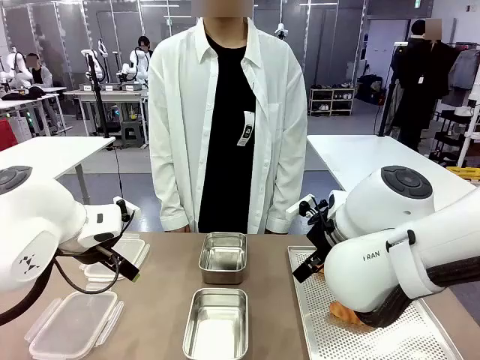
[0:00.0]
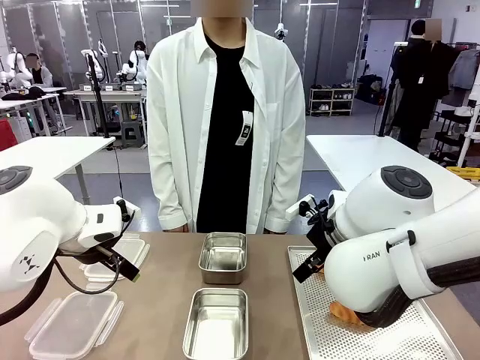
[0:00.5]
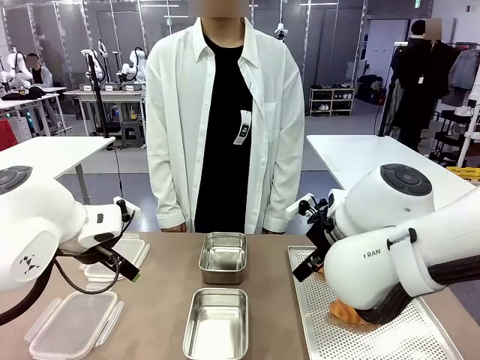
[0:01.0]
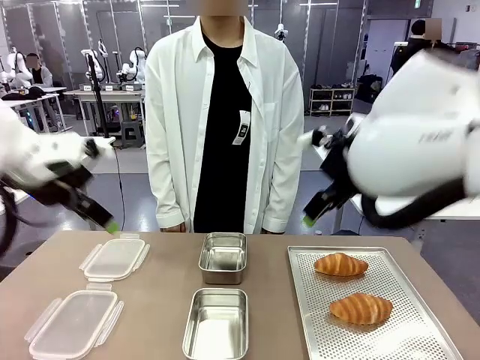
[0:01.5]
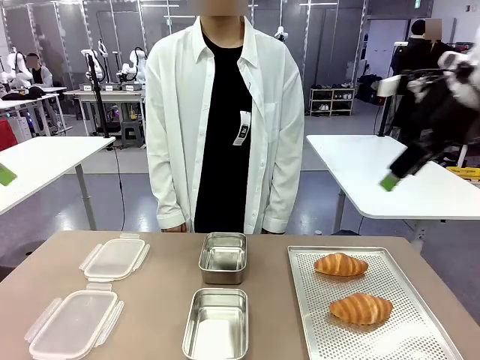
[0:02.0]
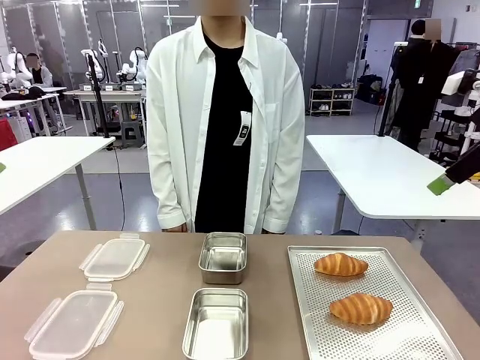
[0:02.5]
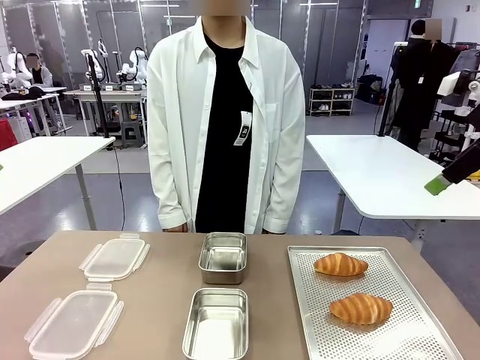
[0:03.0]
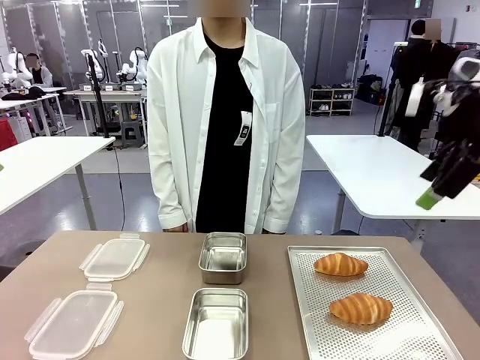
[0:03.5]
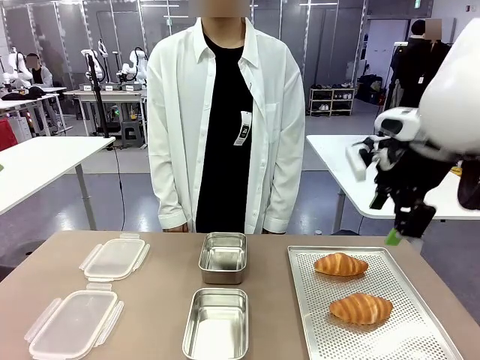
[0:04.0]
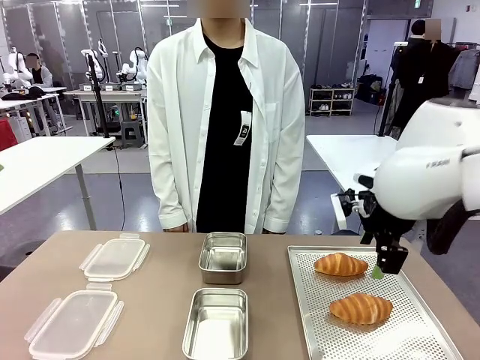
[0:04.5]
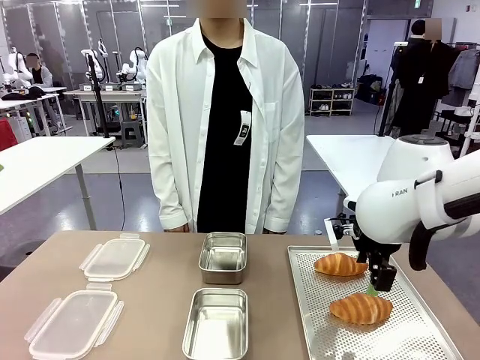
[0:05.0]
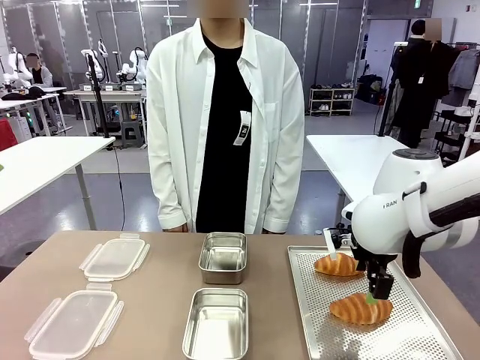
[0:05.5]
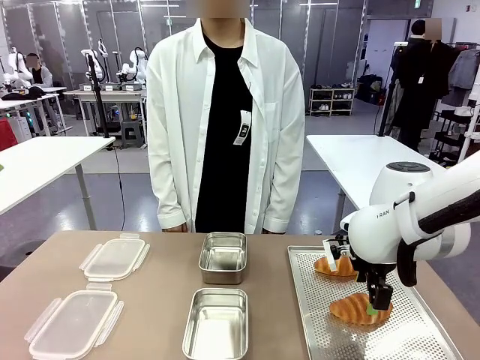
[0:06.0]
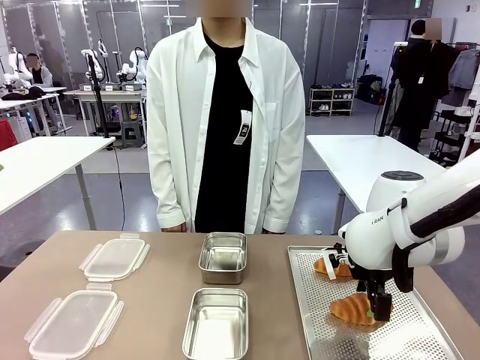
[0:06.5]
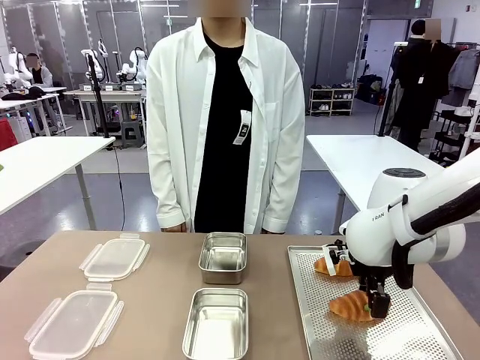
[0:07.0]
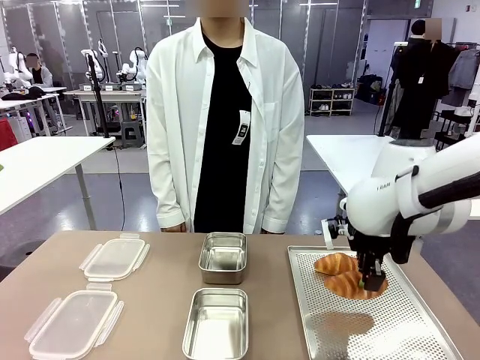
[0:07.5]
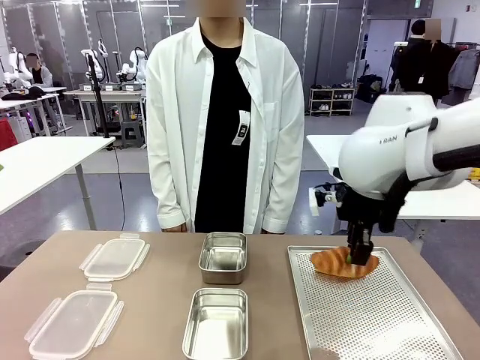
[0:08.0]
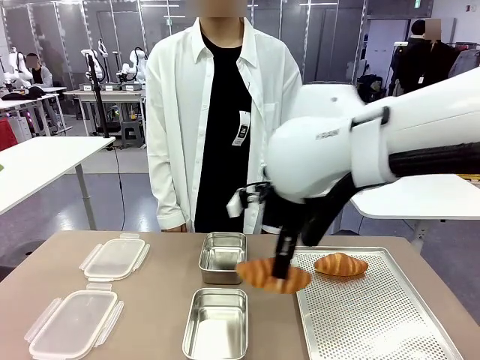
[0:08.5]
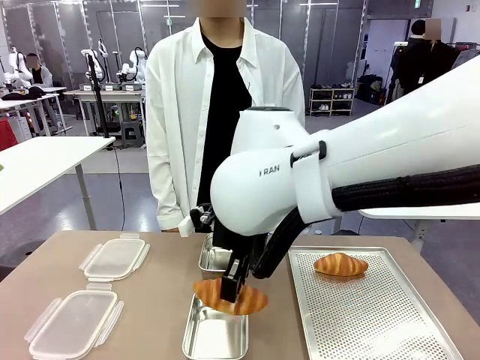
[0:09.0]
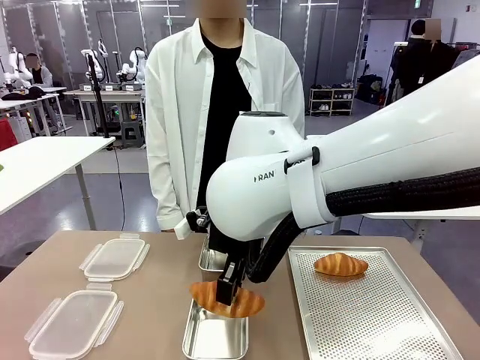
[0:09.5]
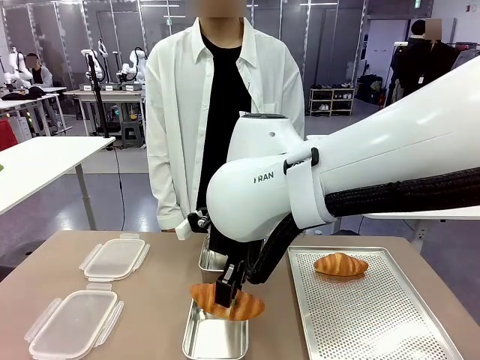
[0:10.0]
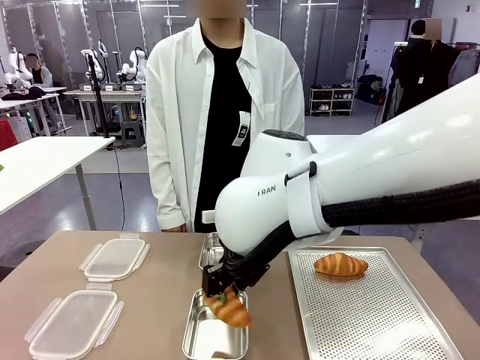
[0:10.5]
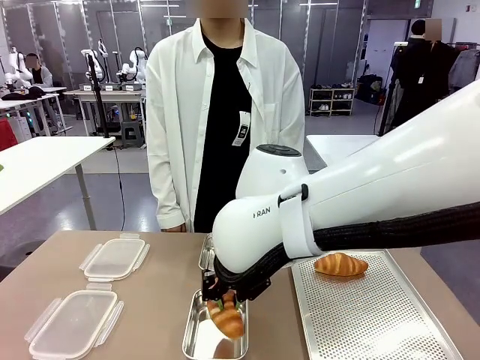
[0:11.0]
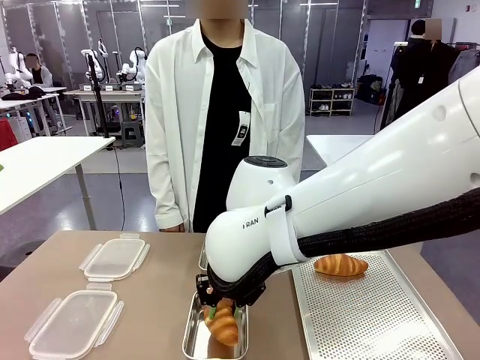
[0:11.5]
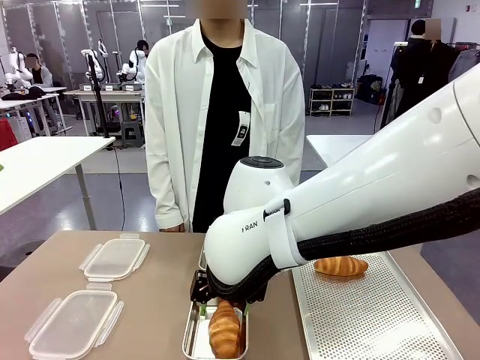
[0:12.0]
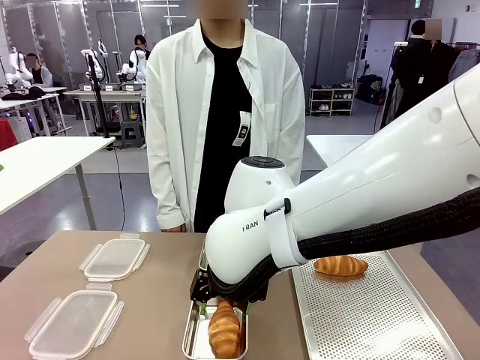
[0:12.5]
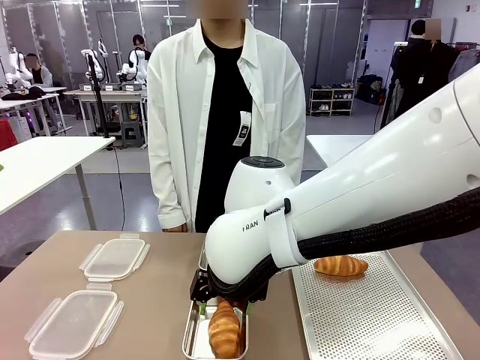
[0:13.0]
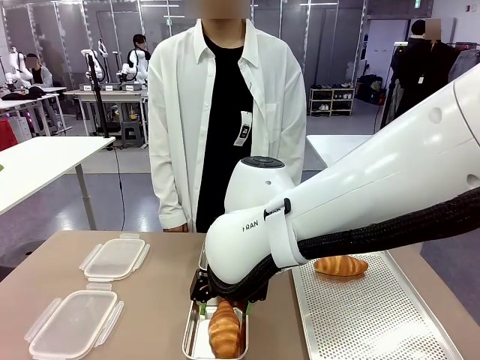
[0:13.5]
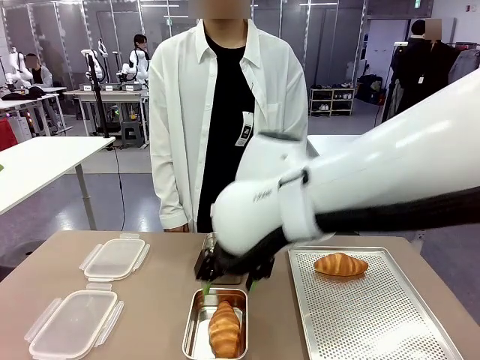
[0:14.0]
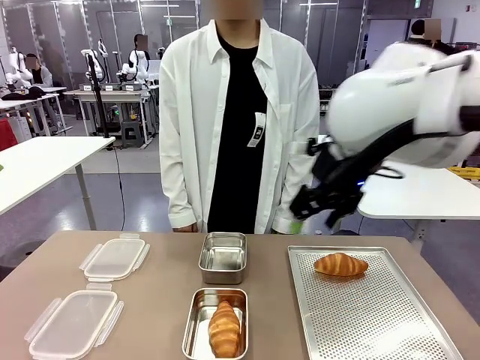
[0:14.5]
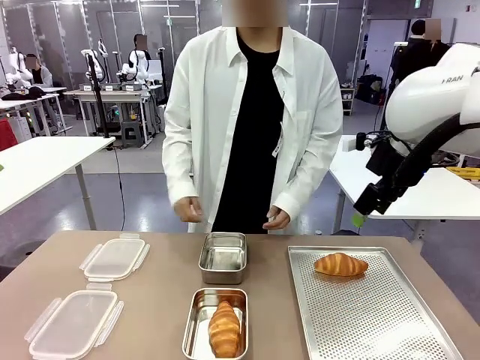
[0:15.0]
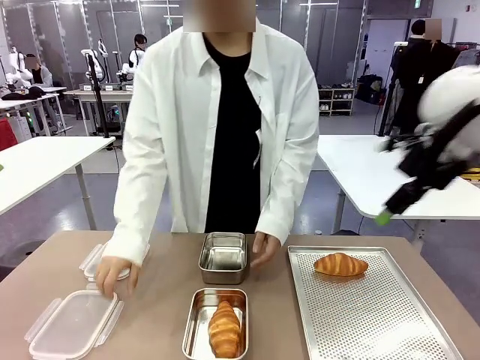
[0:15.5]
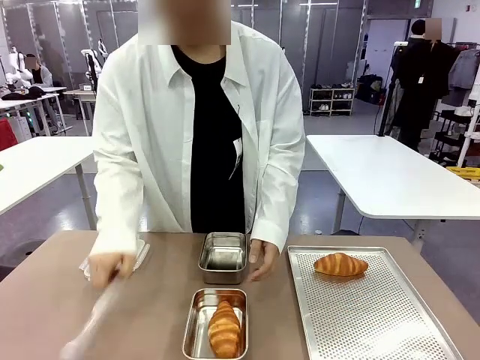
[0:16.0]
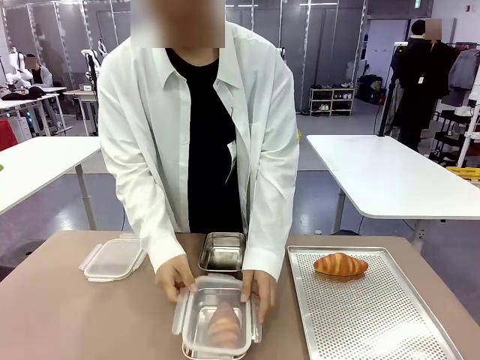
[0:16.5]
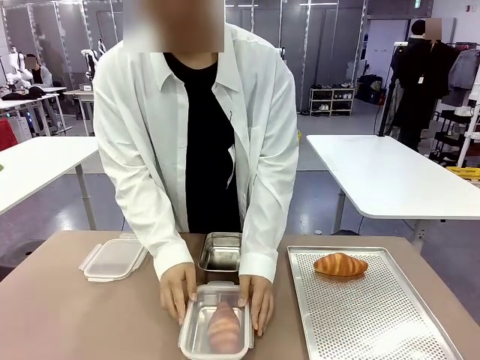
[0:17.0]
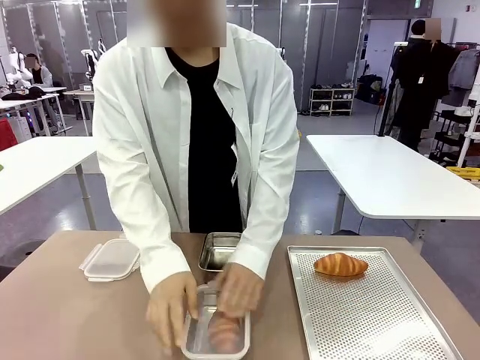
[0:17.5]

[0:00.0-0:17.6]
Task: Place the bread into the airtight container.
Robot: Pick up a Butter Roll and place it into an empty Airtight Container.

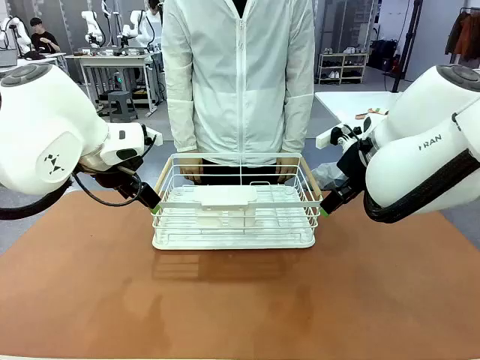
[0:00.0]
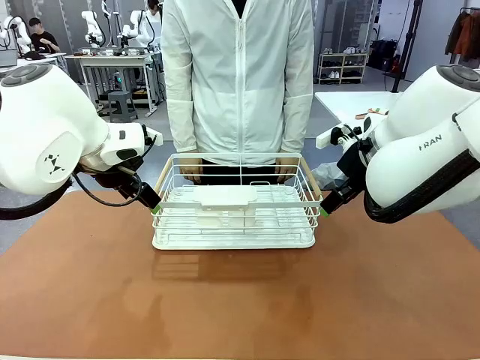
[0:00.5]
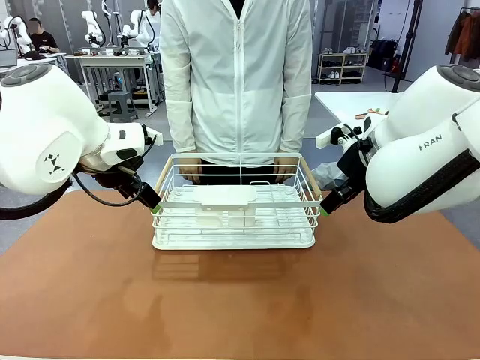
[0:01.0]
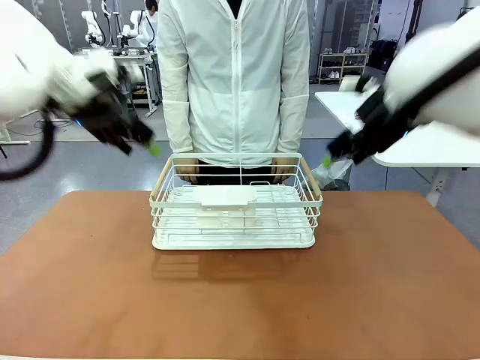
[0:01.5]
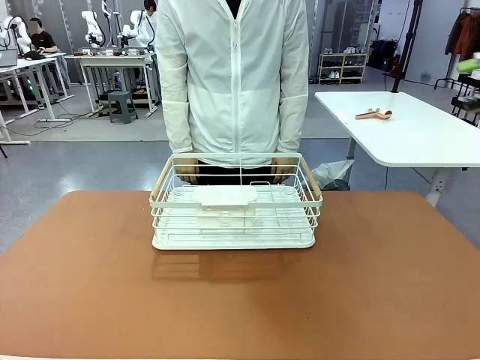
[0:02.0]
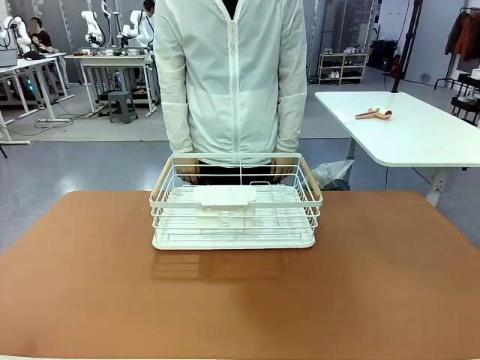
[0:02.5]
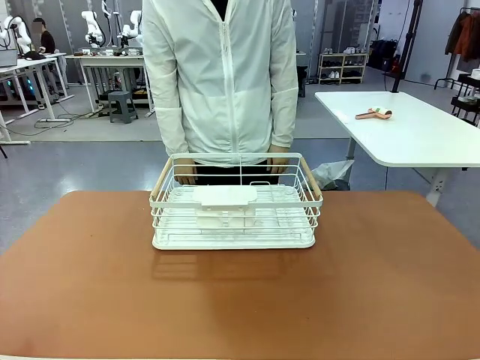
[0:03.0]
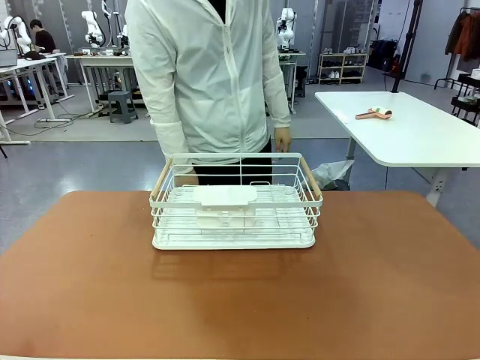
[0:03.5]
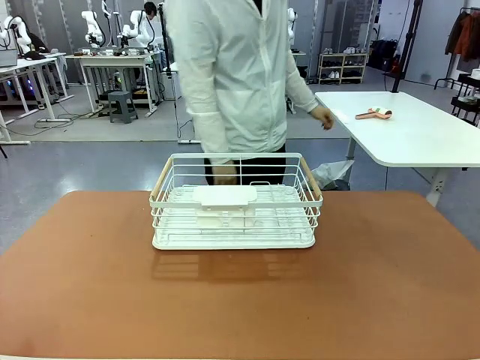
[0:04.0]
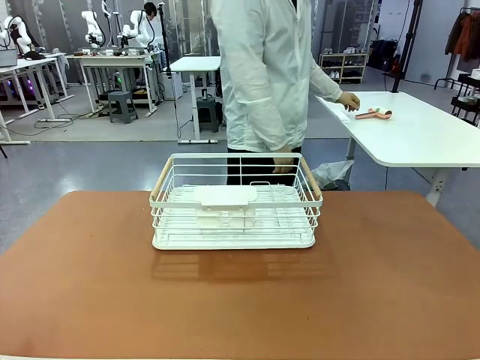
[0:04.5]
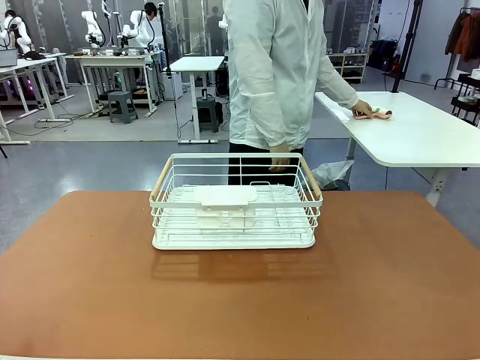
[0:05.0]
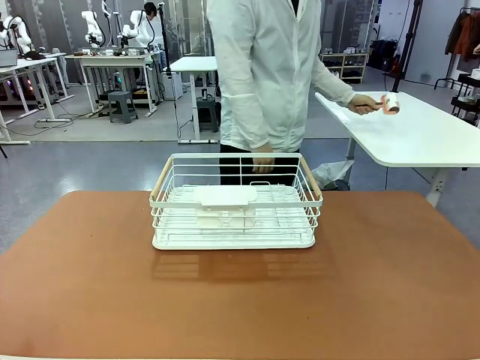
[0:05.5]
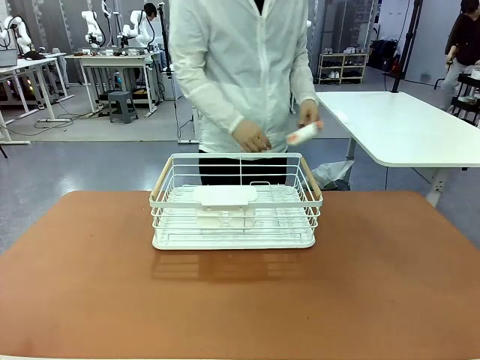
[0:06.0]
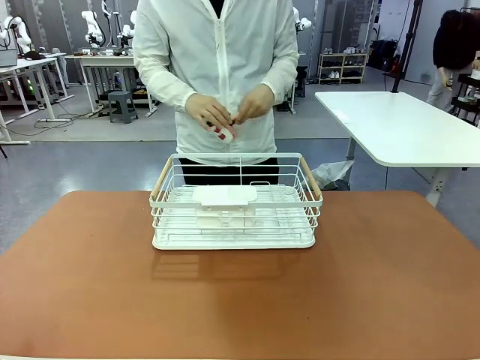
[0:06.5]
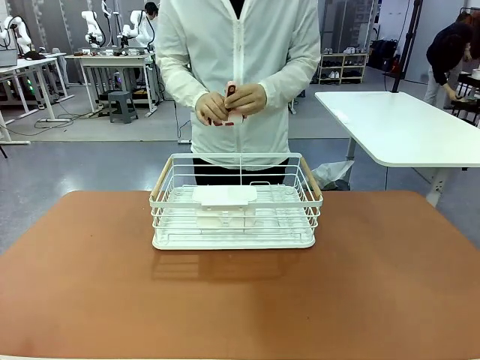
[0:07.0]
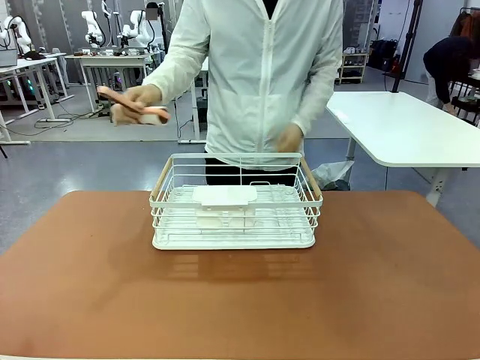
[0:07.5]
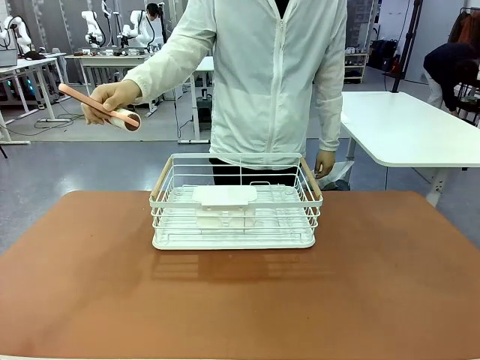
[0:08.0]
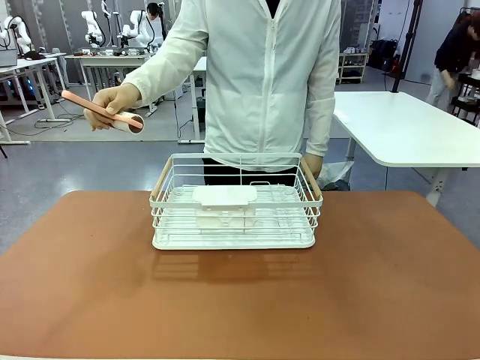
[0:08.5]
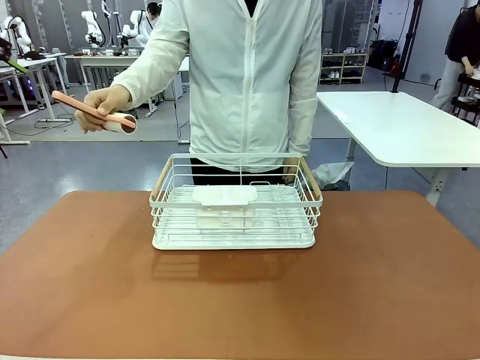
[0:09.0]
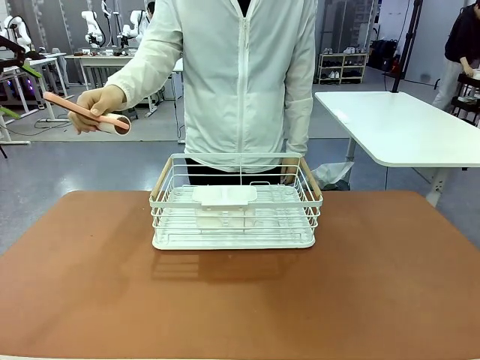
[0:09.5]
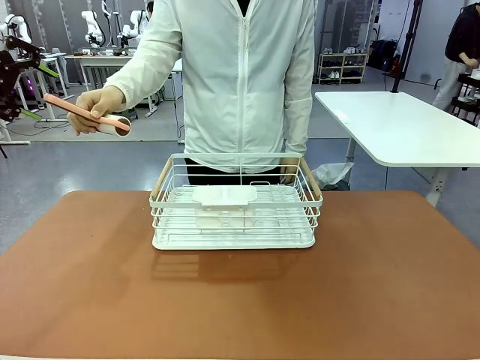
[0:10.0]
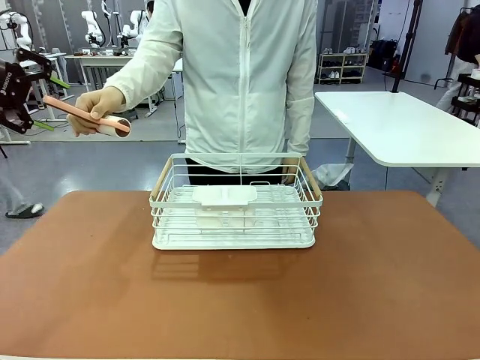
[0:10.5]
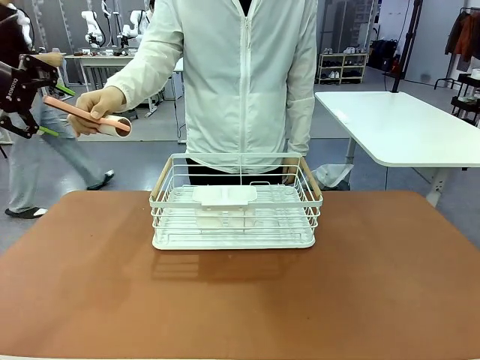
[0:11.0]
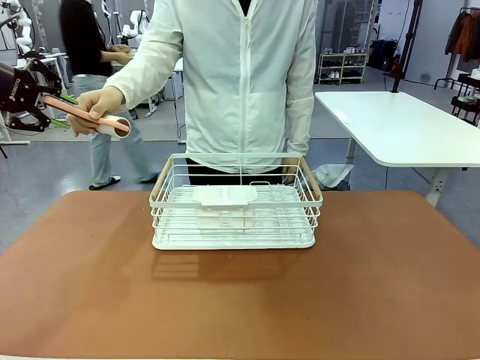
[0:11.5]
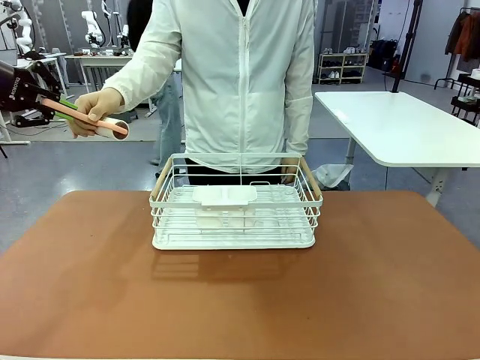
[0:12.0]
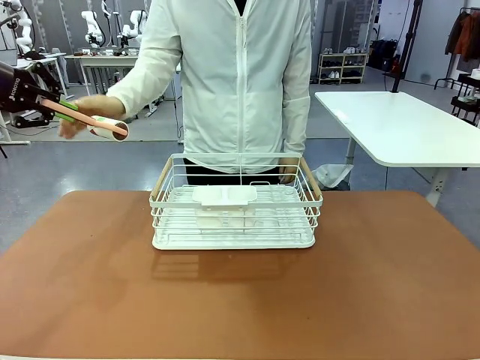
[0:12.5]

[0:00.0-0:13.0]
Task: Clean the table.
Robot: Pick up the Lint Roller when the human hands it over.
Person: Hand the Lint Roller to the robot so it can easily pick it up. Lift the Dish drying rack.
